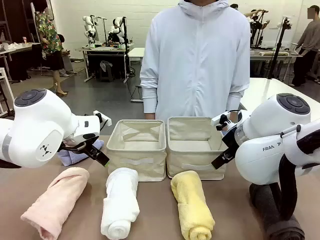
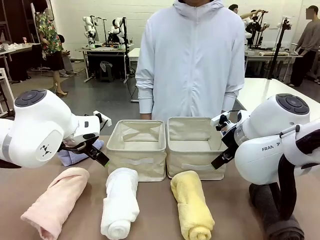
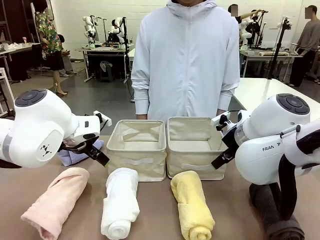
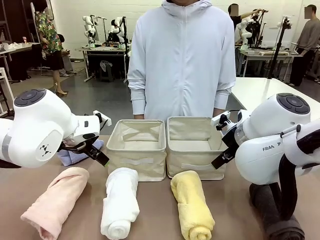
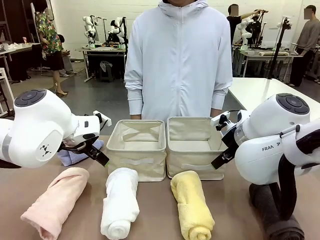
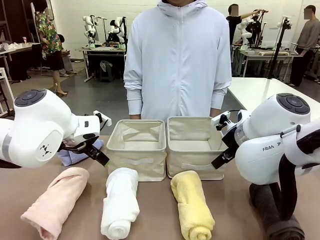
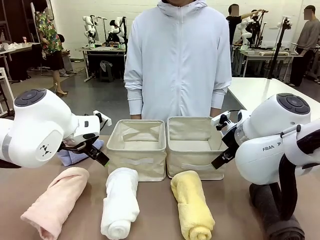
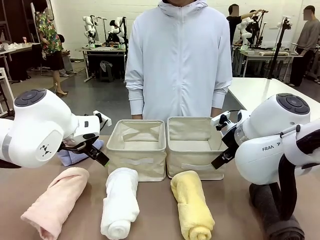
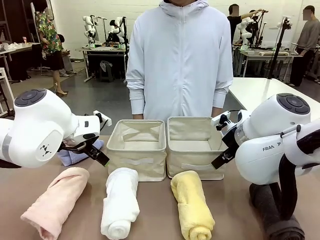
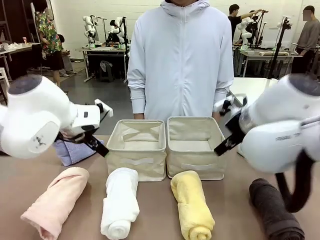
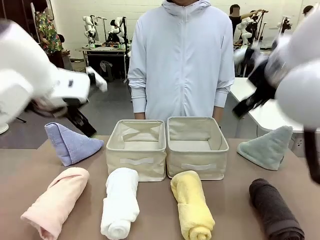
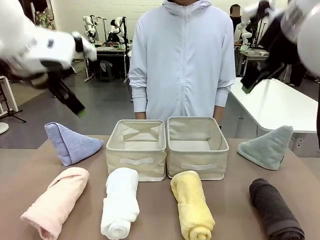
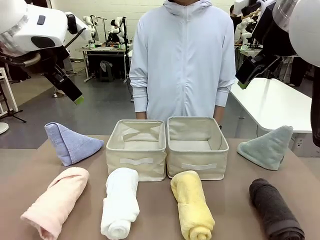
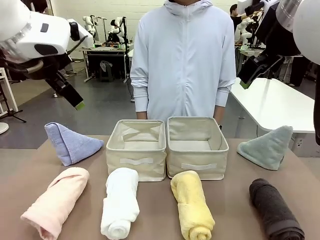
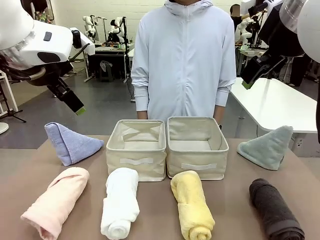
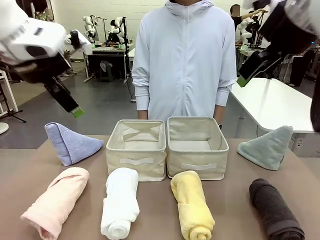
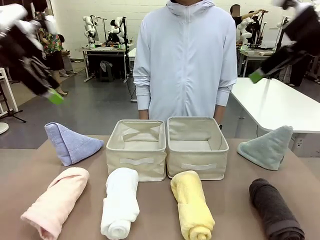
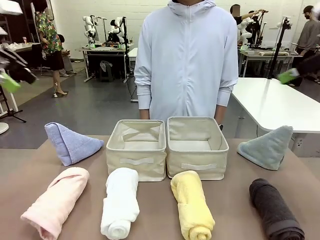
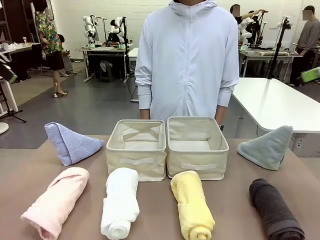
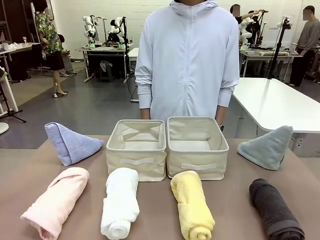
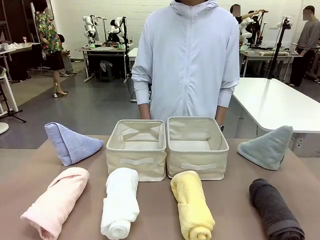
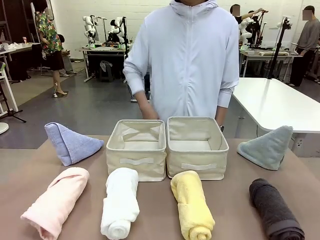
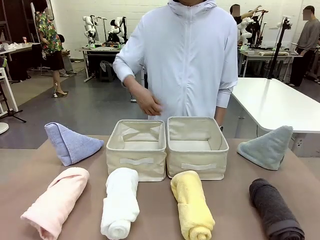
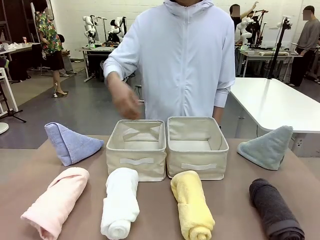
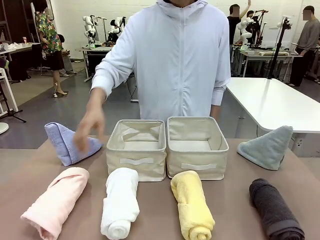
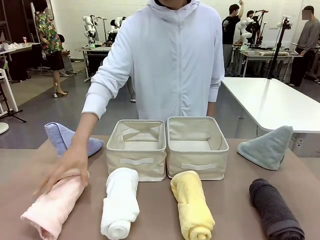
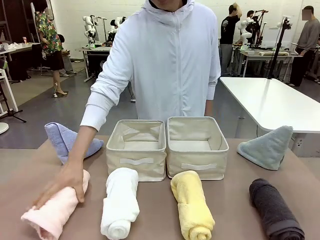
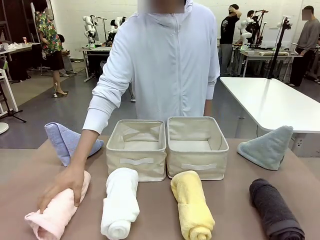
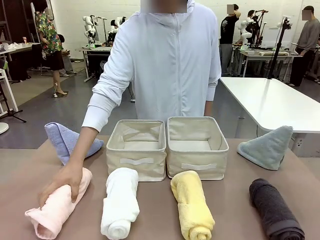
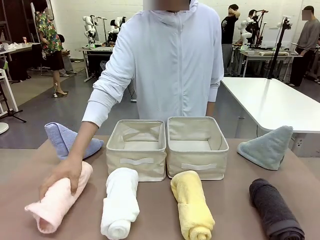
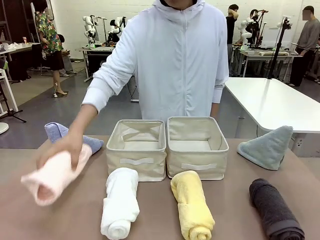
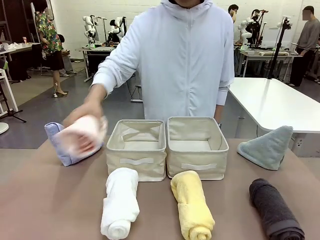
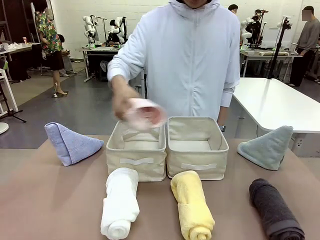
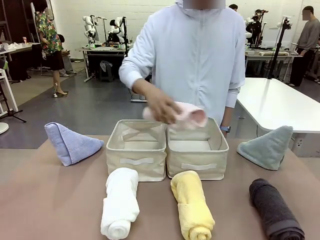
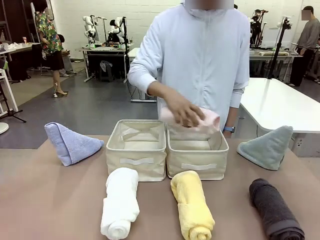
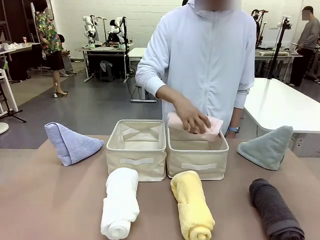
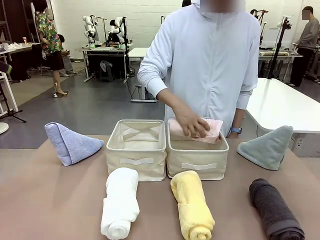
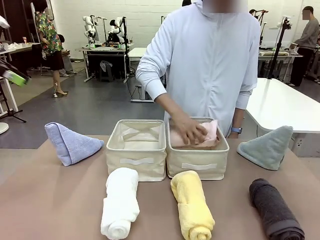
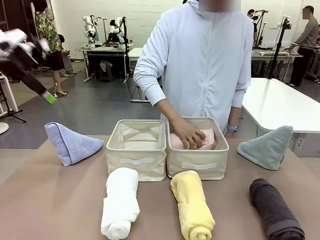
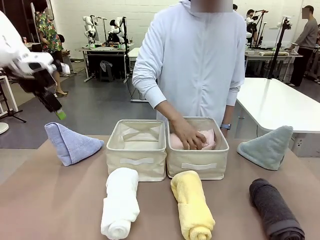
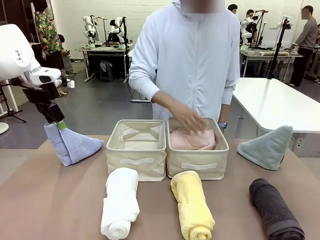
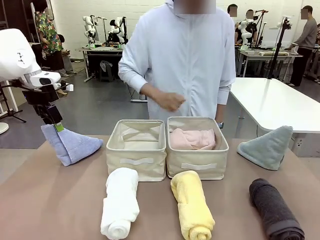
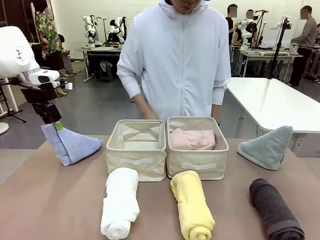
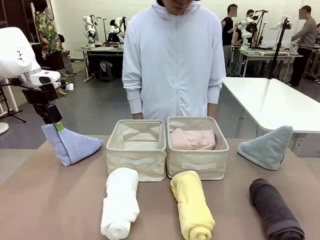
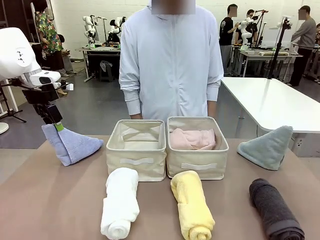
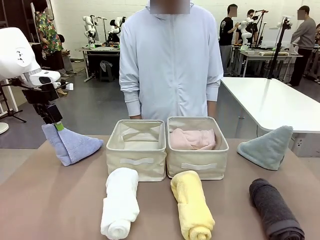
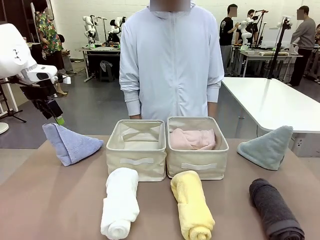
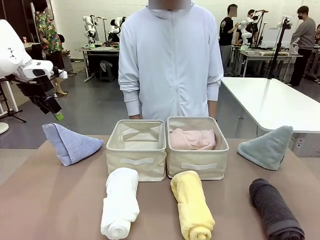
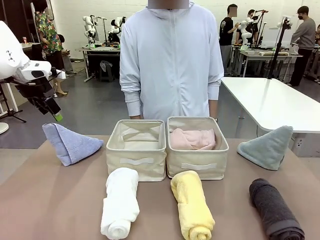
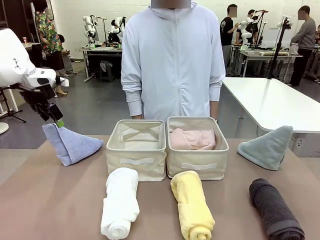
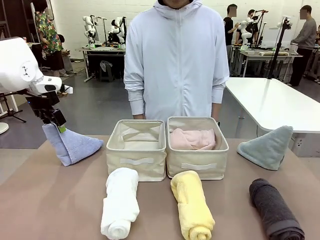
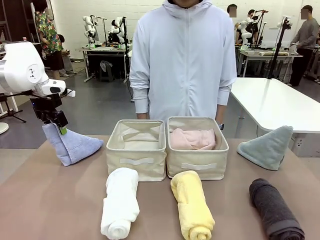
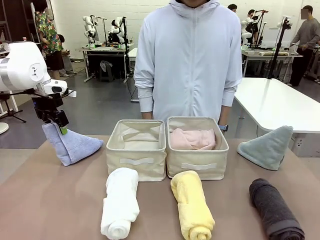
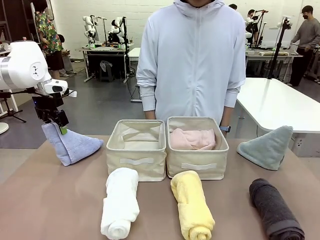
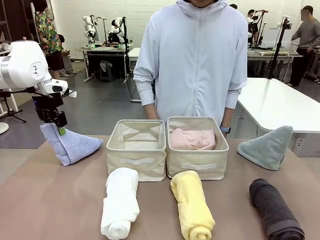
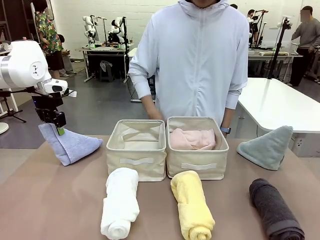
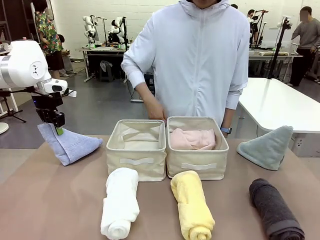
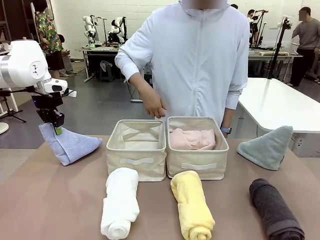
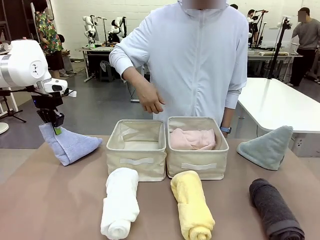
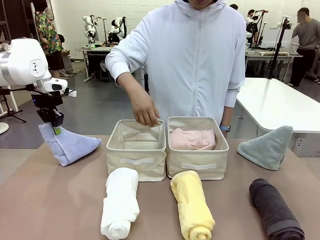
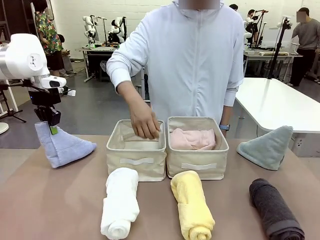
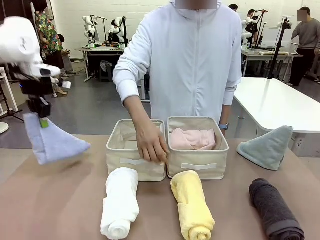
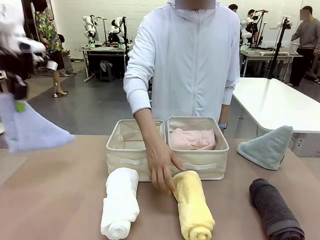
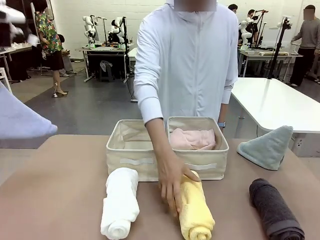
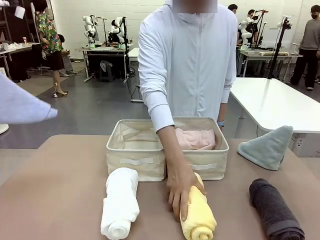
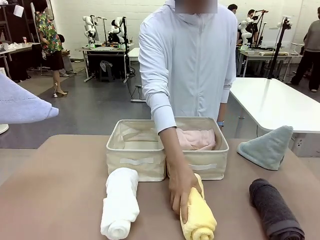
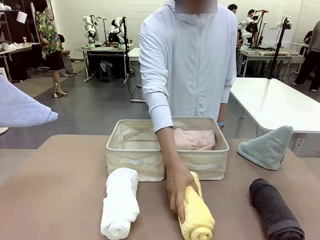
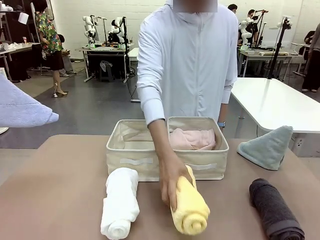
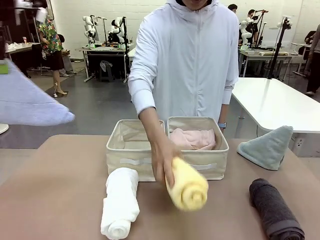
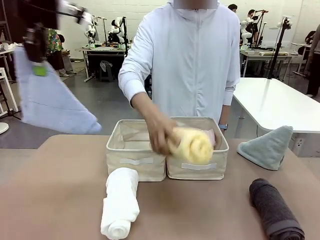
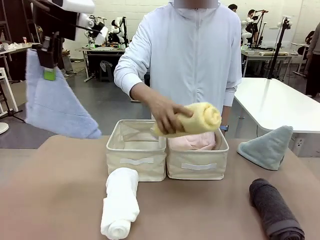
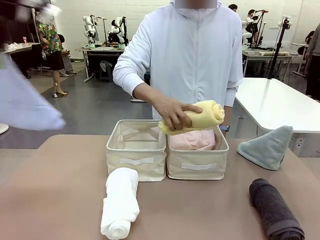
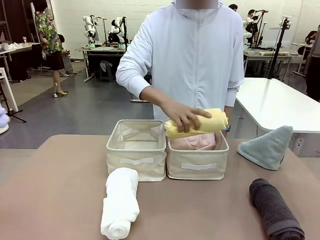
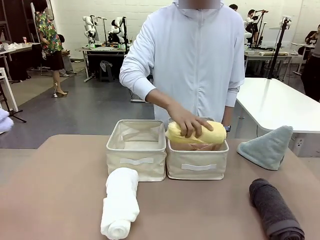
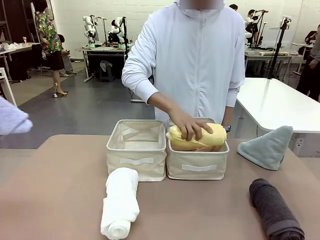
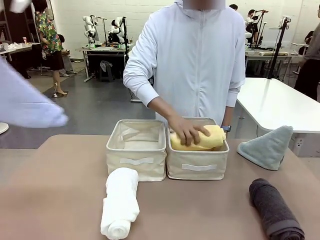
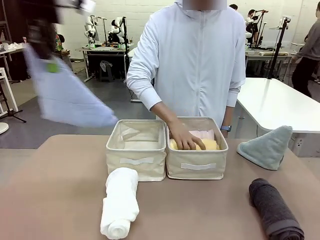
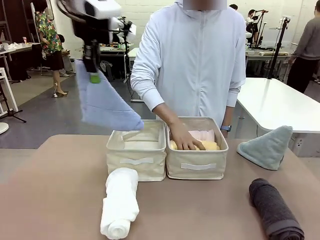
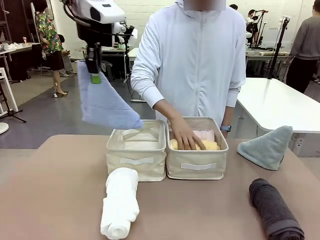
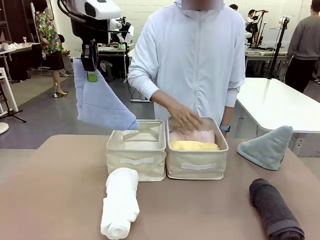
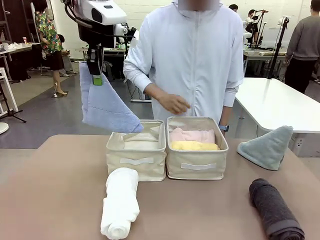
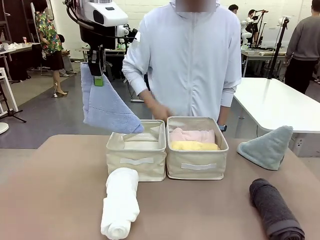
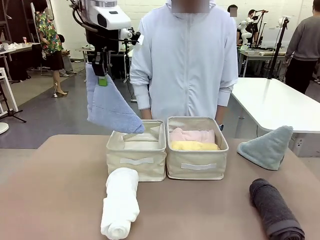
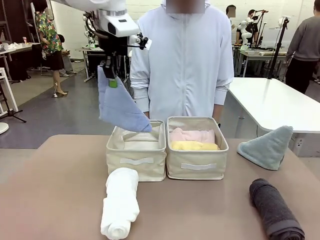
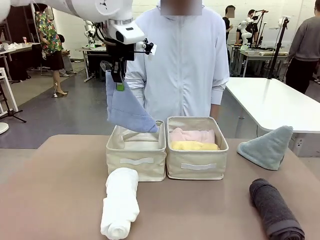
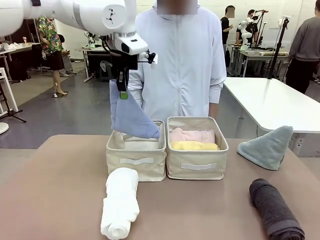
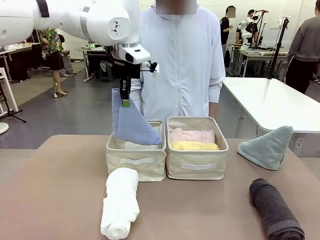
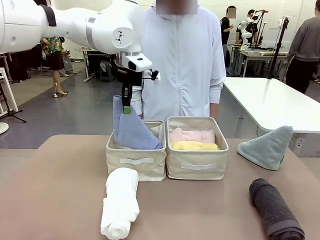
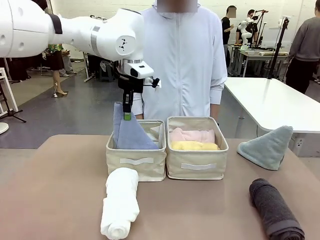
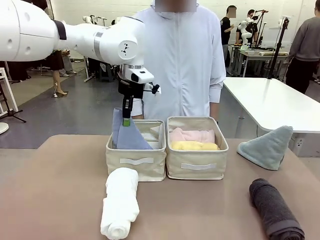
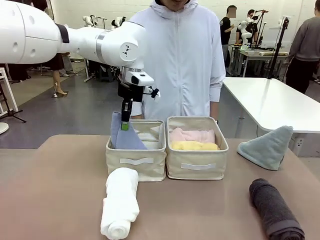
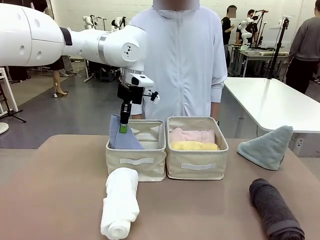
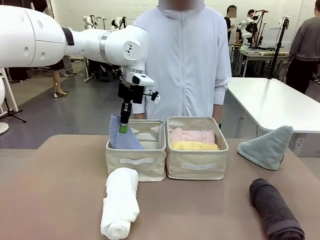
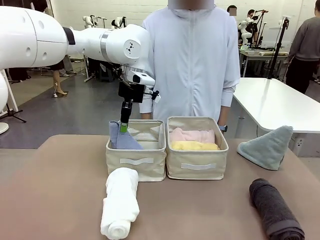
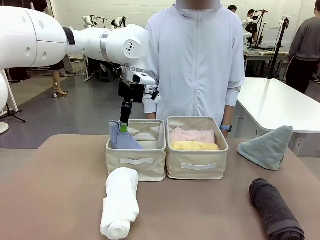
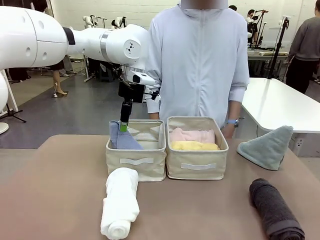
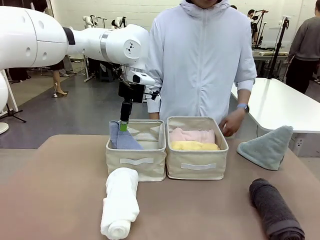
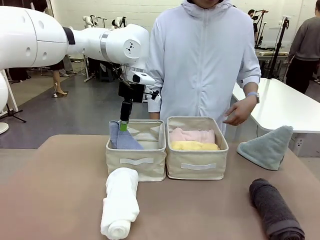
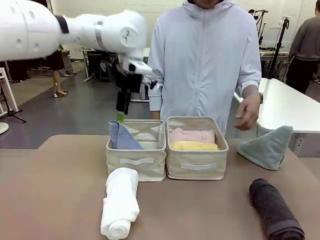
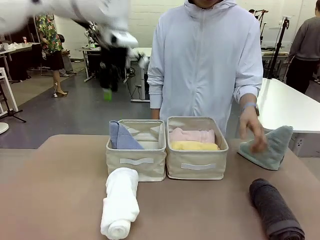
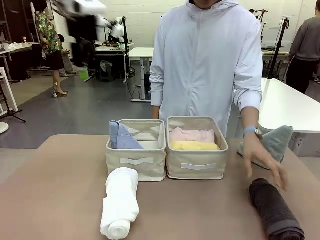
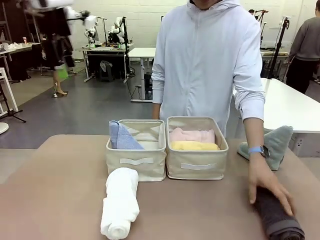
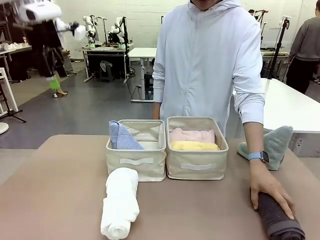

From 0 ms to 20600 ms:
Task: Sort the towels based on their folding style.
Robot: Pick up one triangle-folded towel and place it in the left Fabric basket.
Person: Pick up one hotel-style rolled towel and place it in the left fabric basket.
